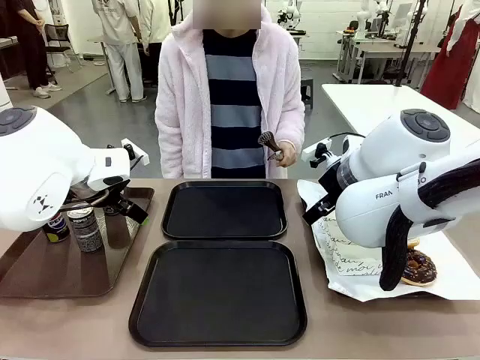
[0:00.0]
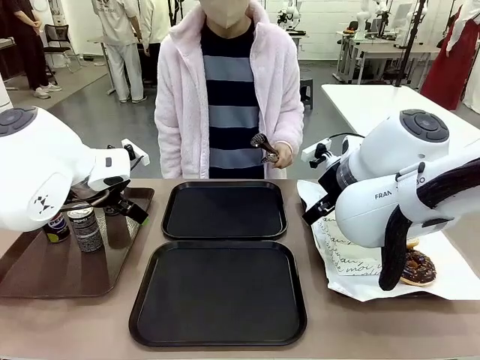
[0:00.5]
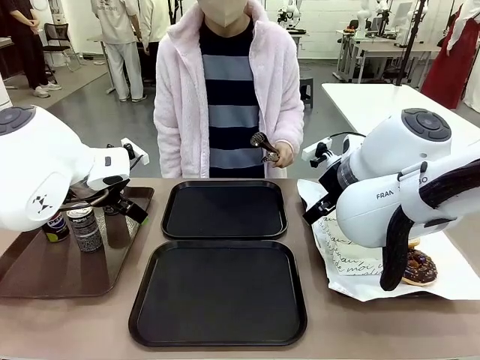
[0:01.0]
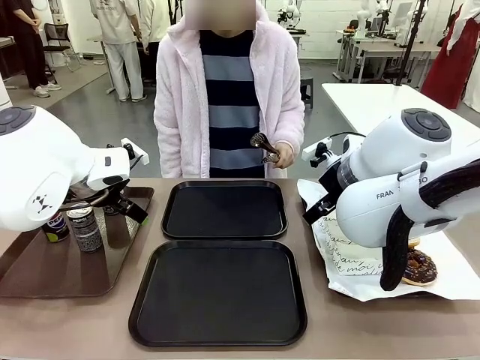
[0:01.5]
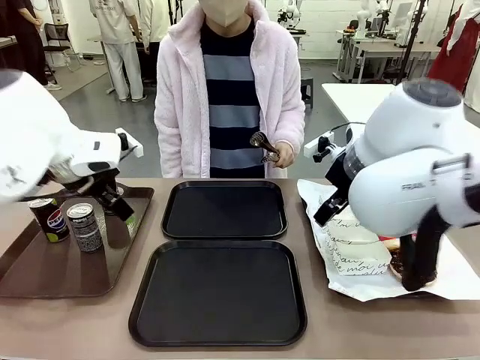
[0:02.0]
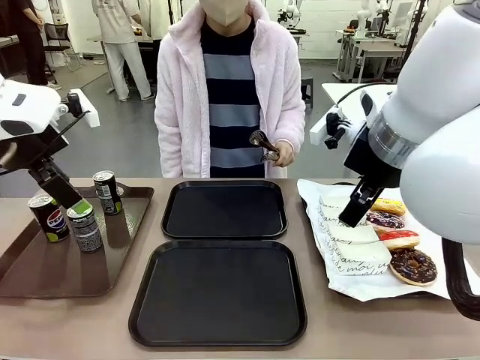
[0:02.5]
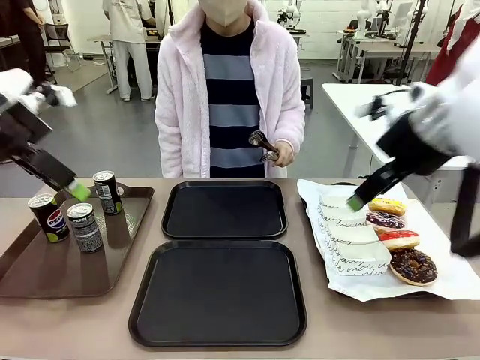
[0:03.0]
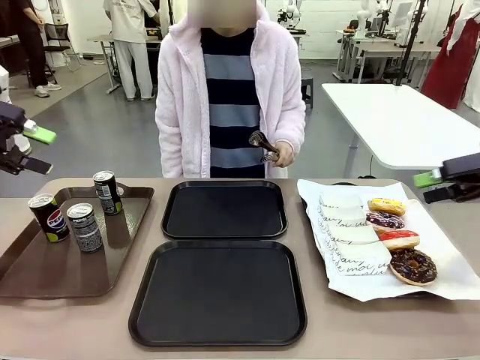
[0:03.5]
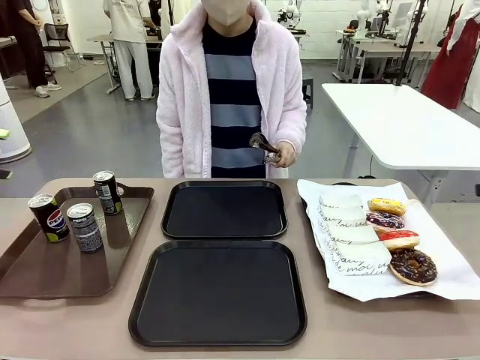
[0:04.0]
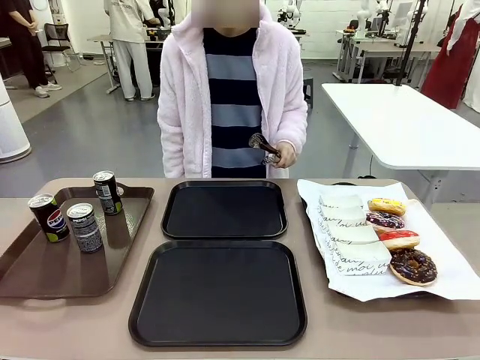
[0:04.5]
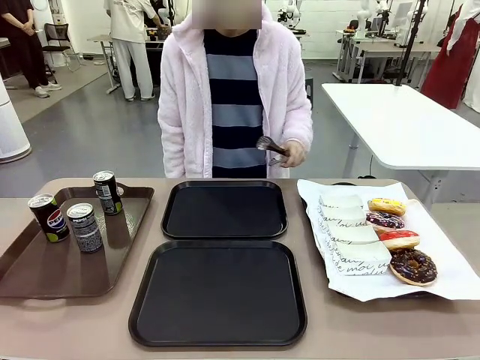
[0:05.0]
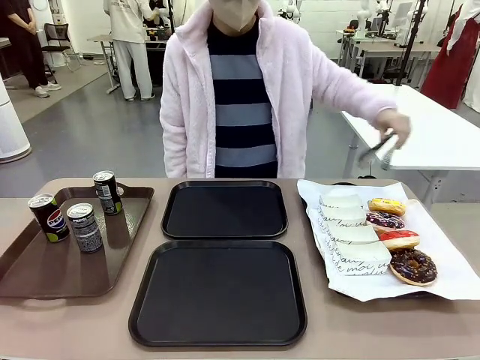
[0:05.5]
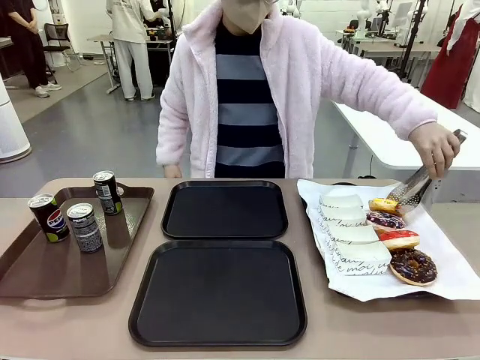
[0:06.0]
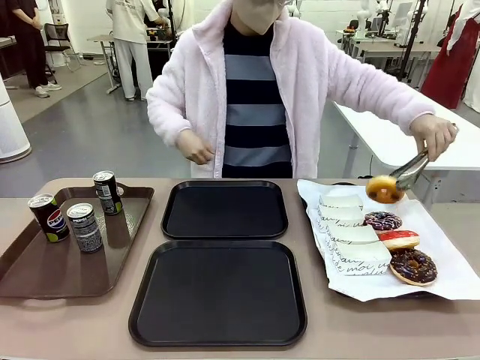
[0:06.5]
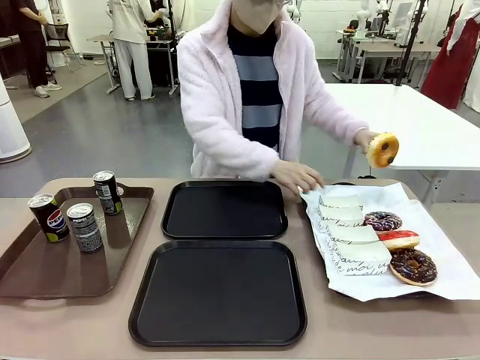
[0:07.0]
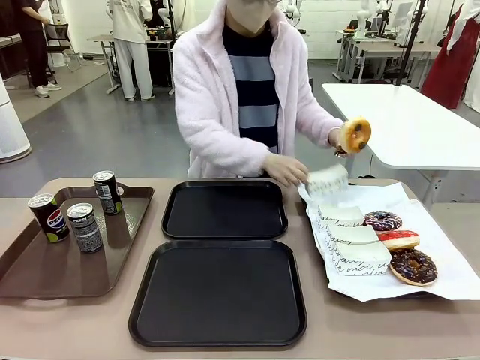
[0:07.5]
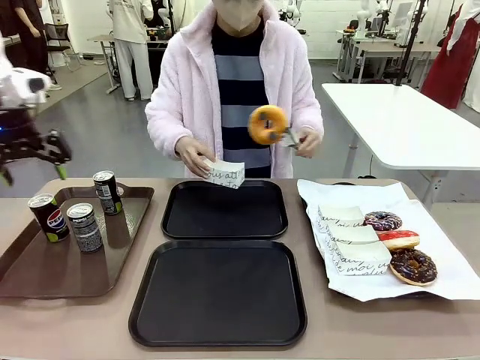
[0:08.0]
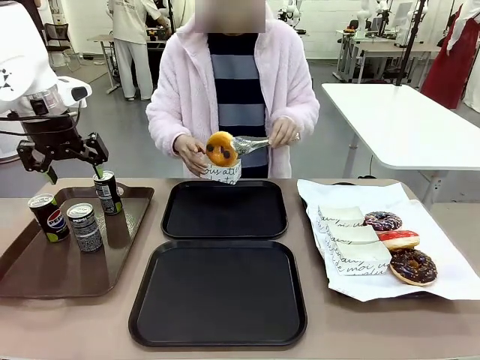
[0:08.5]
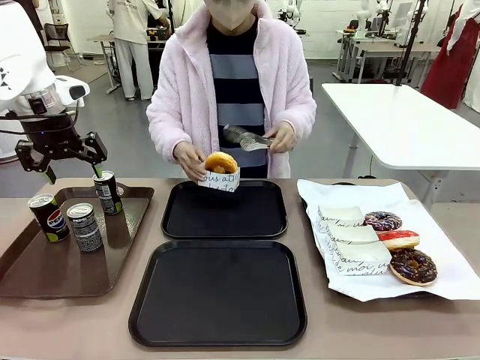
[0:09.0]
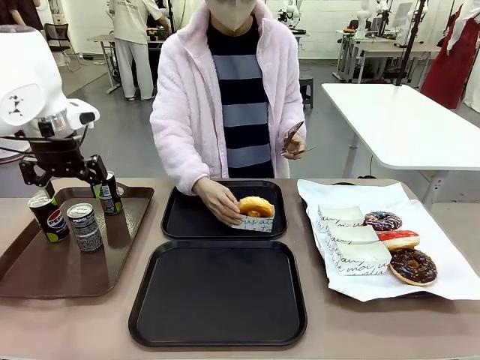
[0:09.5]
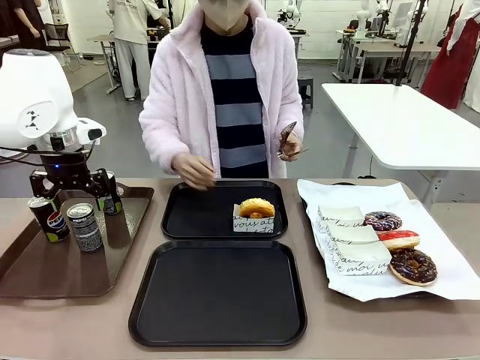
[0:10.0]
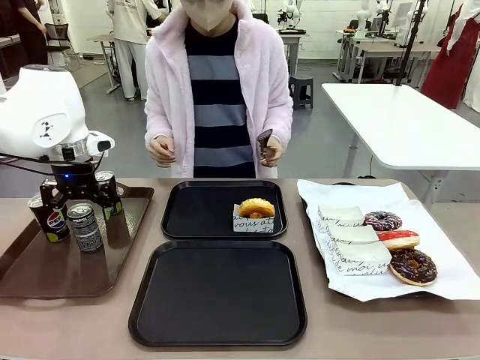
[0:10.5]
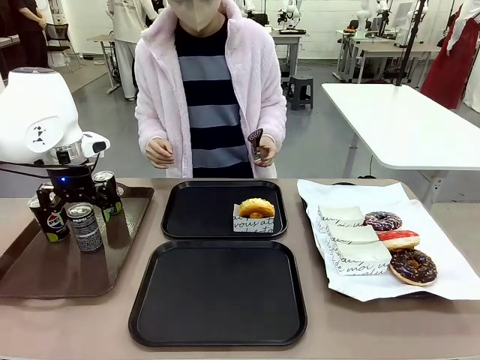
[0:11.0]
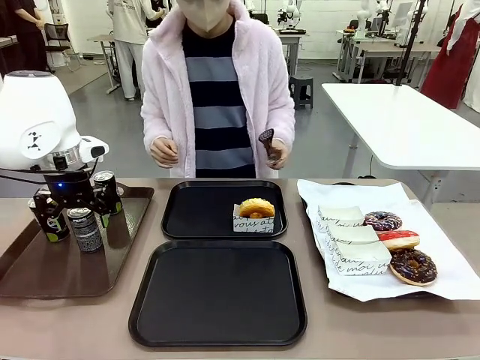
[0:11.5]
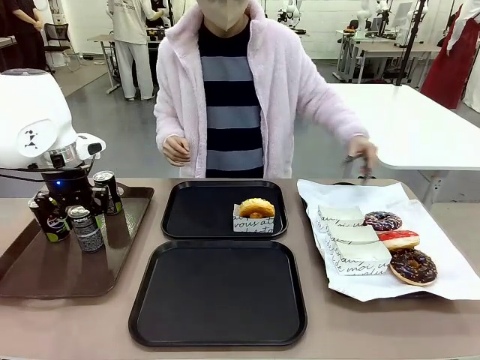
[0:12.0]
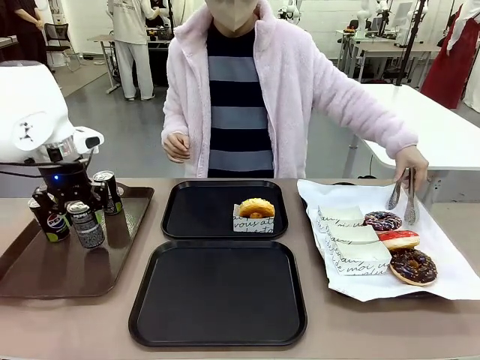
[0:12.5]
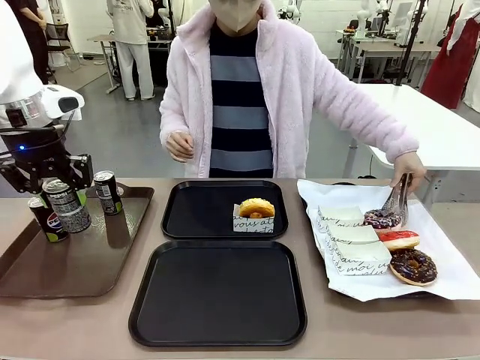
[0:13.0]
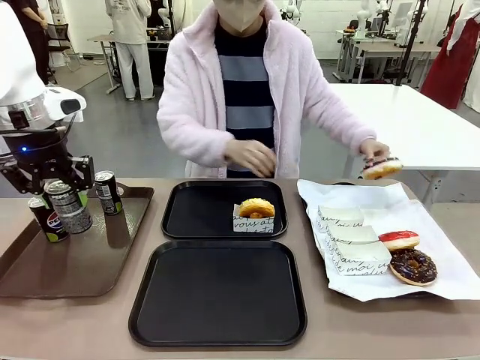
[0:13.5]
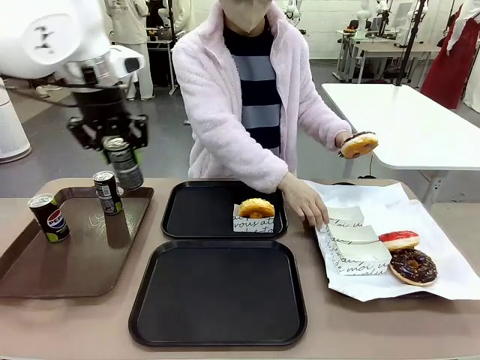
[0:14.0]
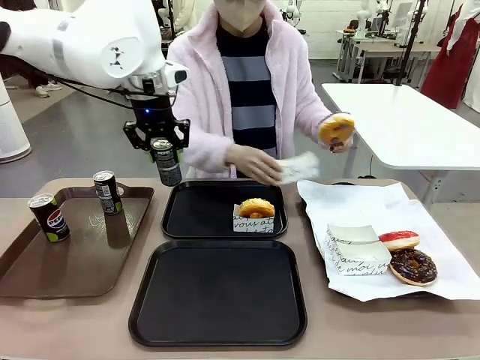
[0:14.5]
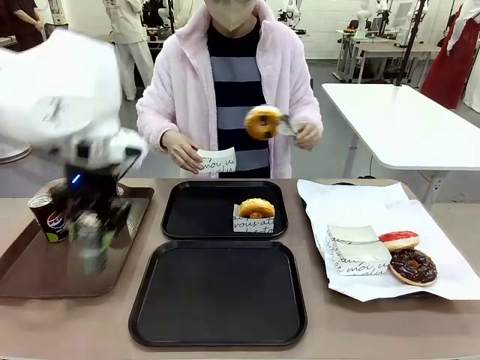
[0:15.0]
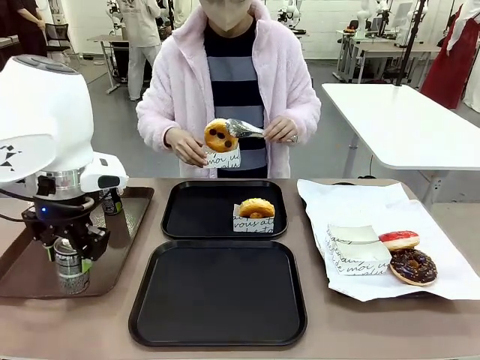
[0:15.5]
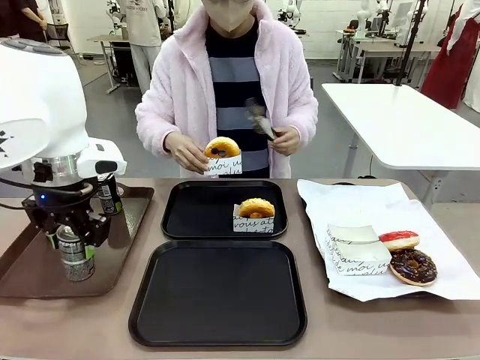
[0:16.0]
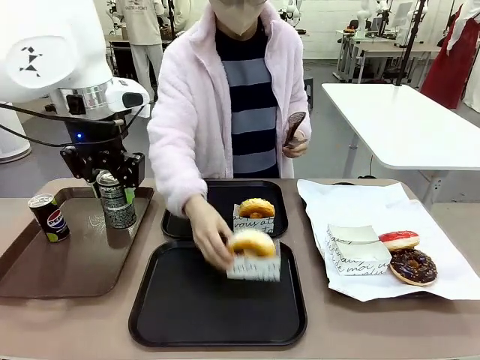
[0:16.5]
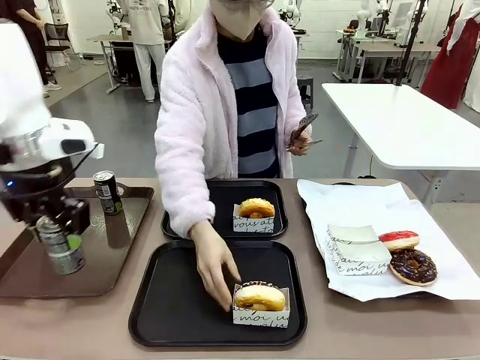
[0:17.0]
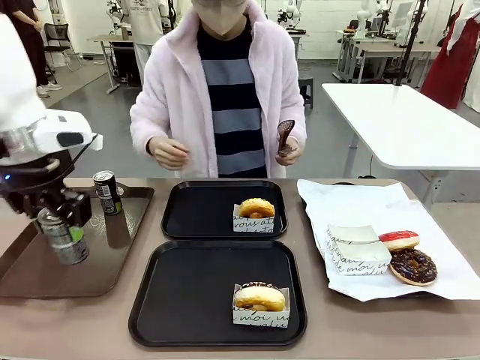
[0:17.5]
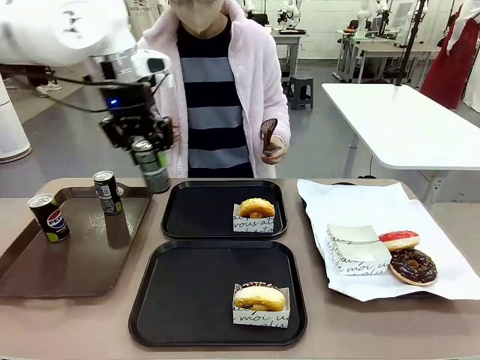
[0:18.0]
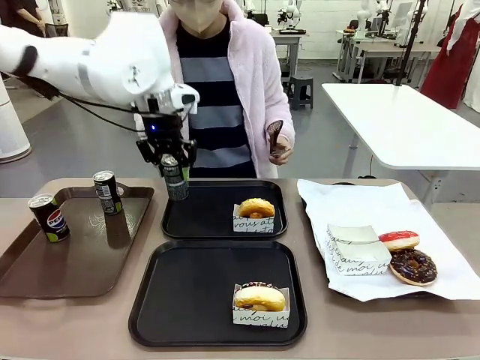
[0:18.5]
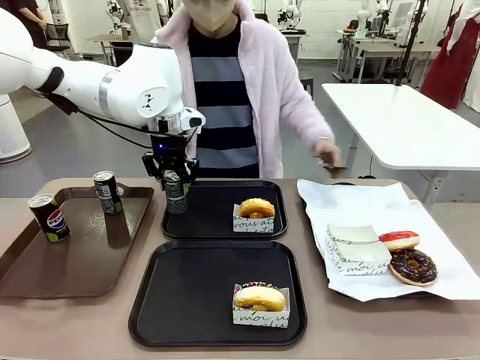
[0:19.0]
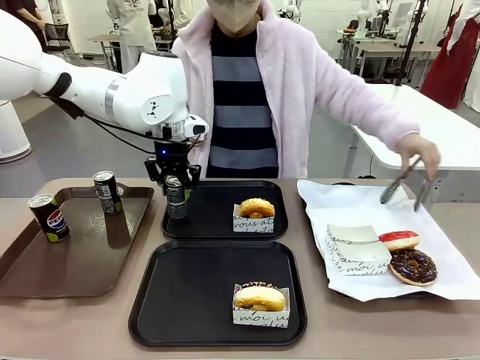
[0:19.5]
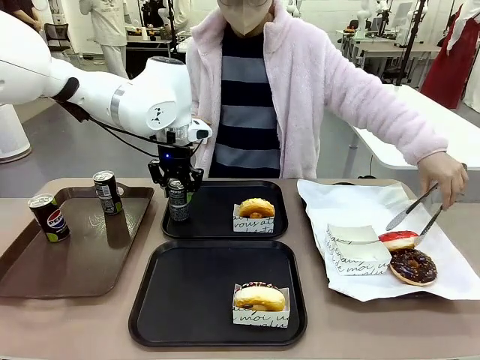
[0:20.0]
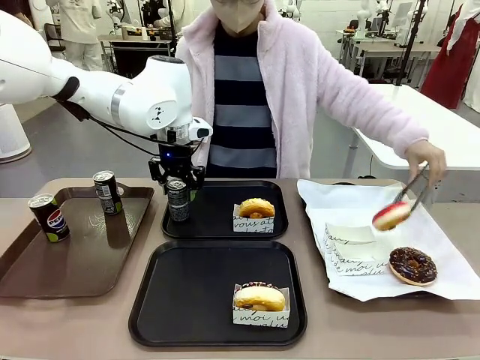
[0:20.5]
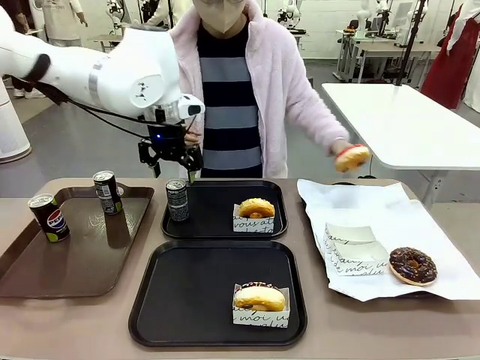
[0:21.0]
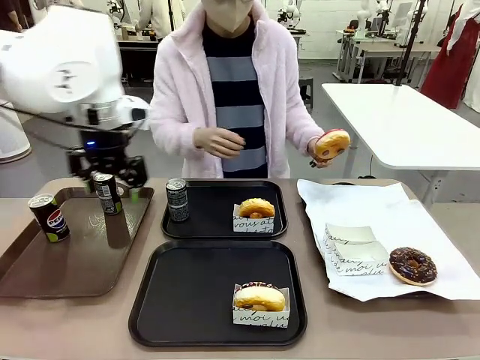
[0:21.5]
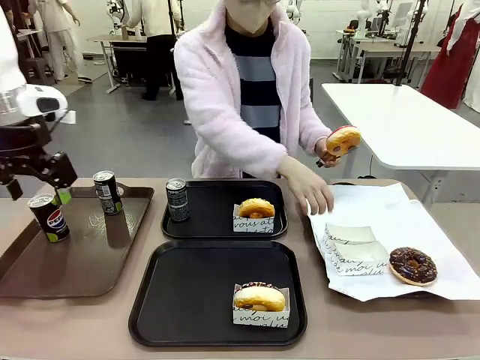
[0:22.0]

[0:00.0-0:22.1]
Task: Set up donuts and drinks on trays.
Robot: Pick up one Pepsi coke and place it on the Flat Tray.
Person: Pick up one donut with tongs, place it in the donut tray, and then place the donut tray on the flat tray.
